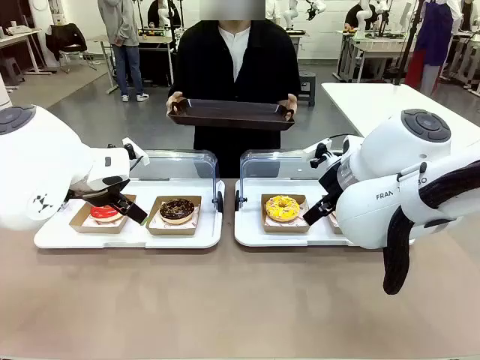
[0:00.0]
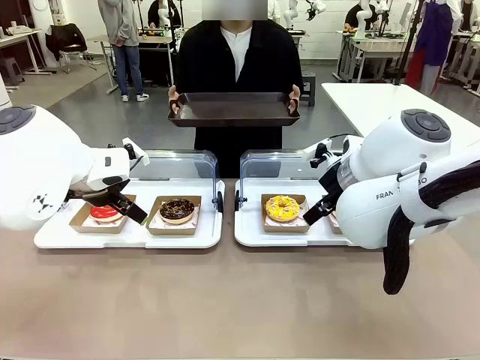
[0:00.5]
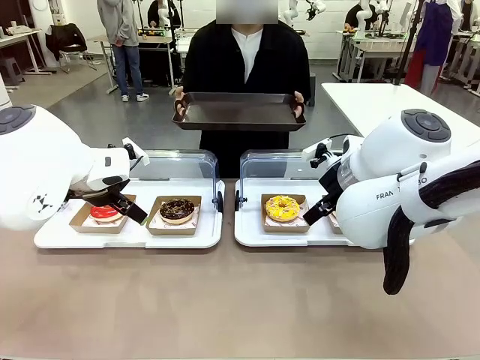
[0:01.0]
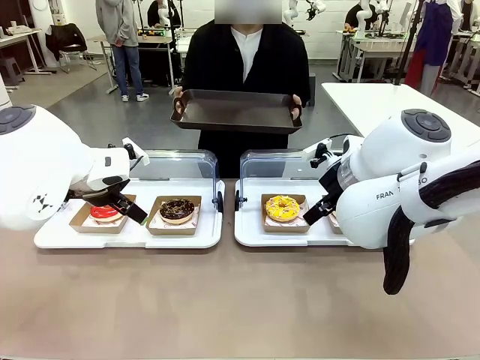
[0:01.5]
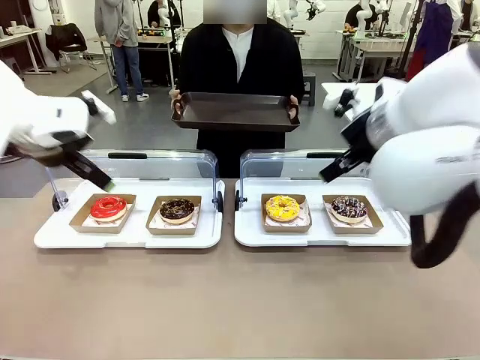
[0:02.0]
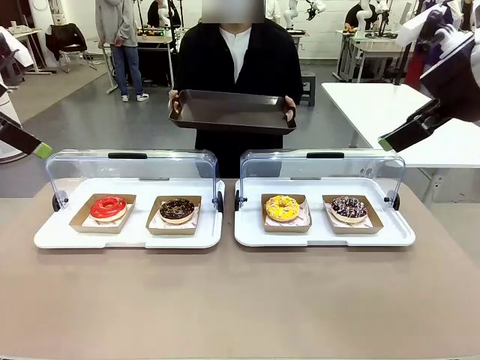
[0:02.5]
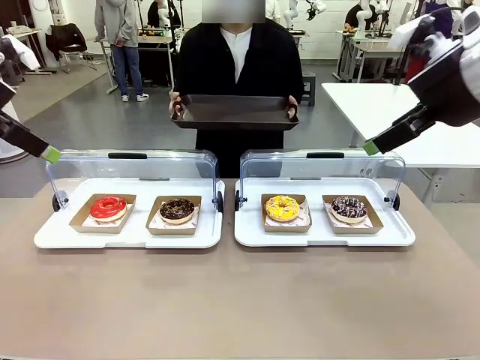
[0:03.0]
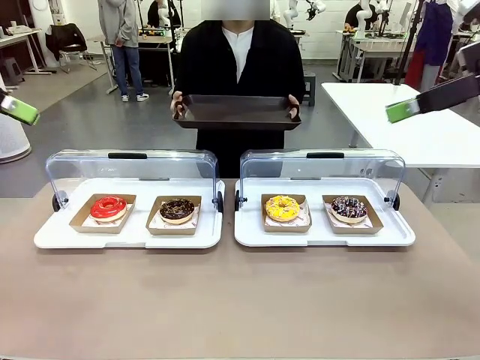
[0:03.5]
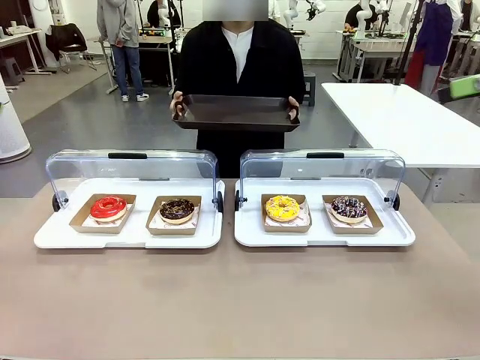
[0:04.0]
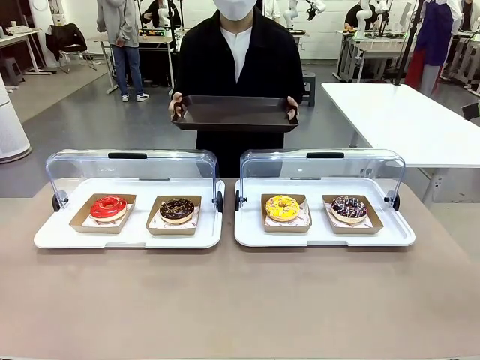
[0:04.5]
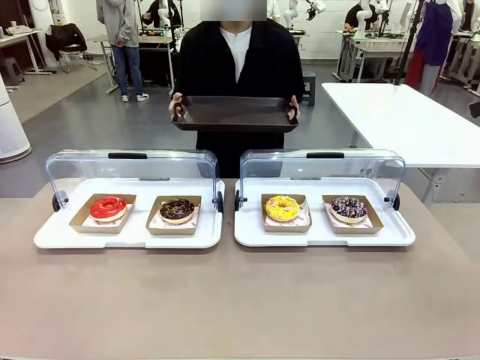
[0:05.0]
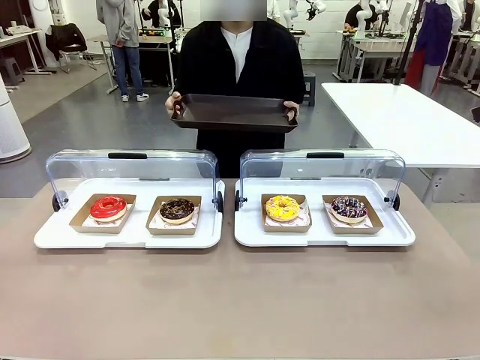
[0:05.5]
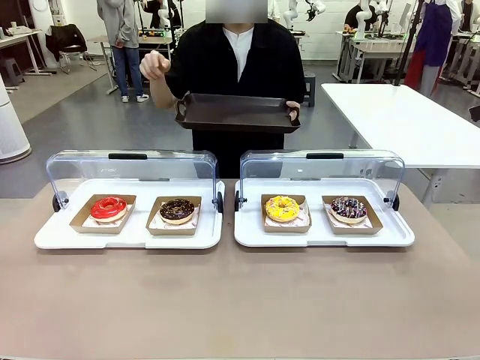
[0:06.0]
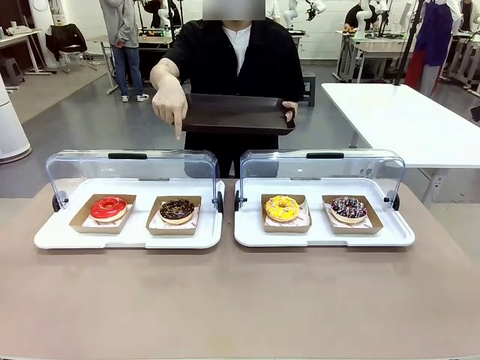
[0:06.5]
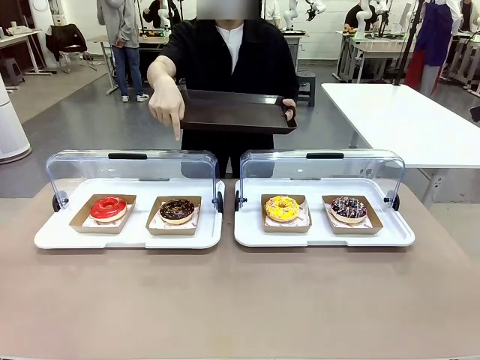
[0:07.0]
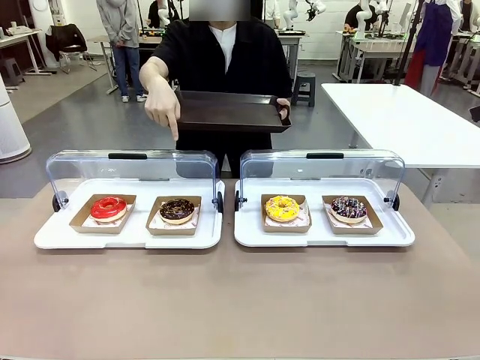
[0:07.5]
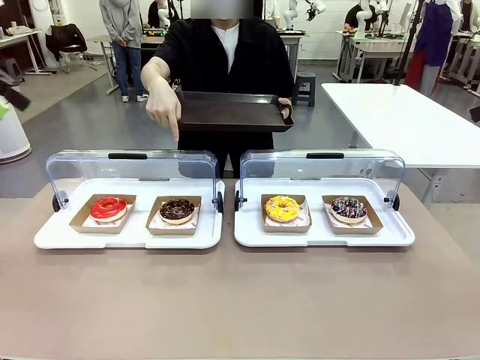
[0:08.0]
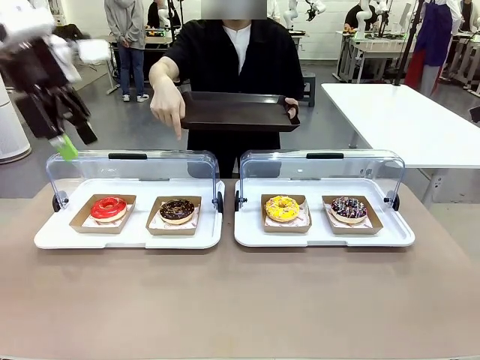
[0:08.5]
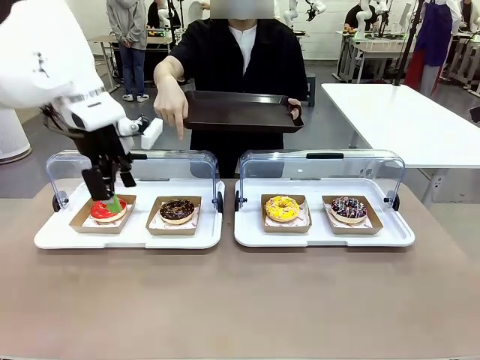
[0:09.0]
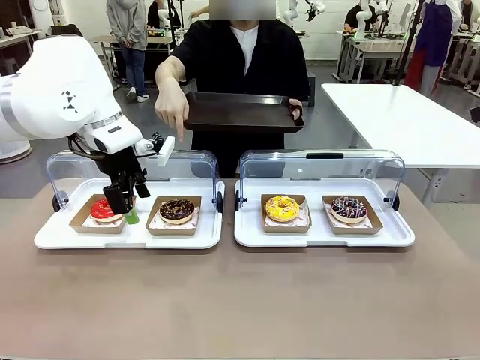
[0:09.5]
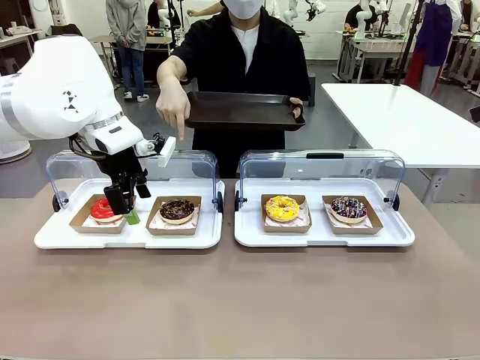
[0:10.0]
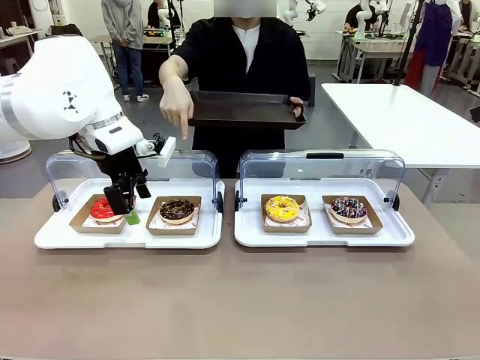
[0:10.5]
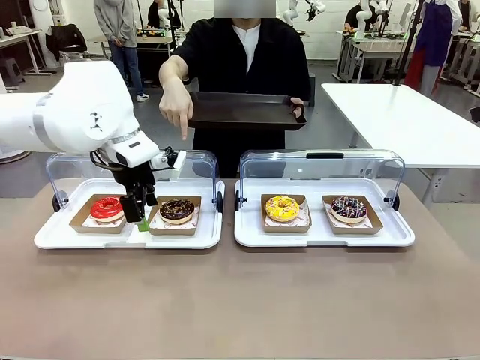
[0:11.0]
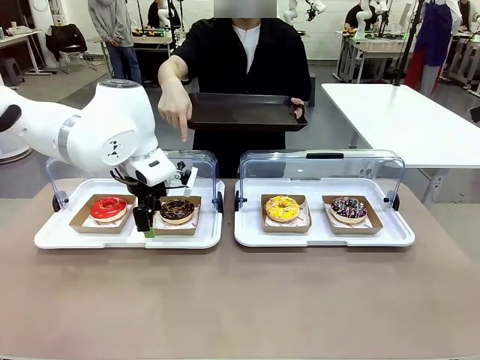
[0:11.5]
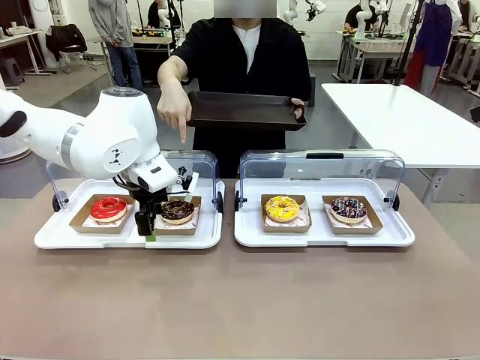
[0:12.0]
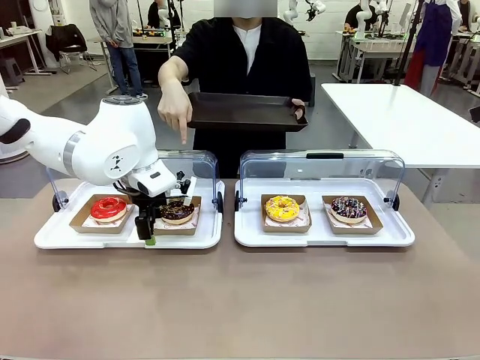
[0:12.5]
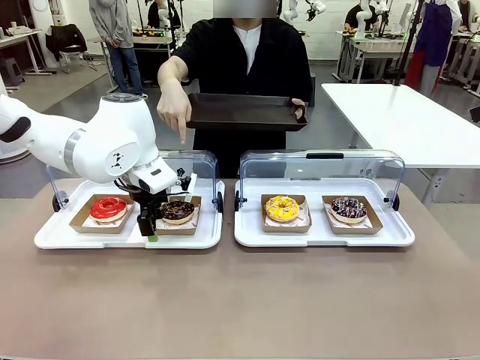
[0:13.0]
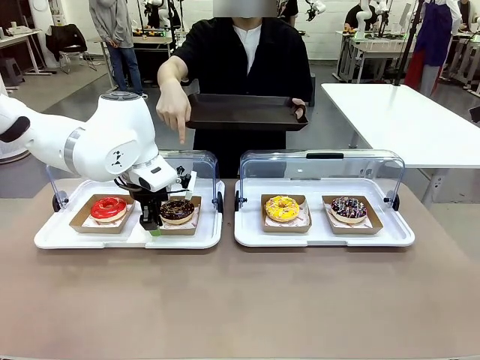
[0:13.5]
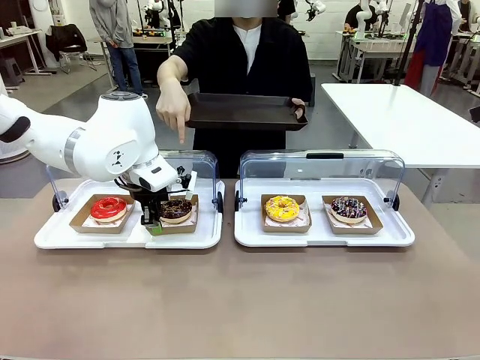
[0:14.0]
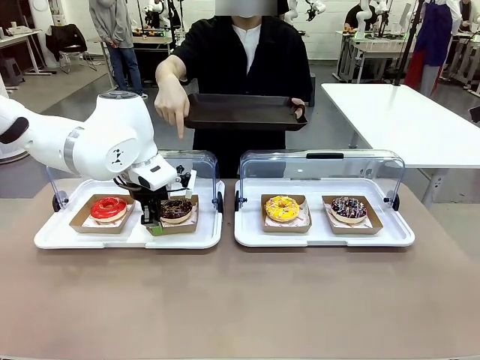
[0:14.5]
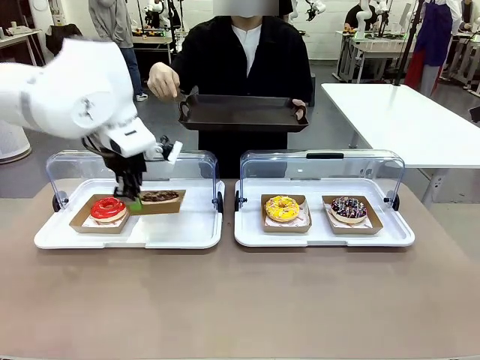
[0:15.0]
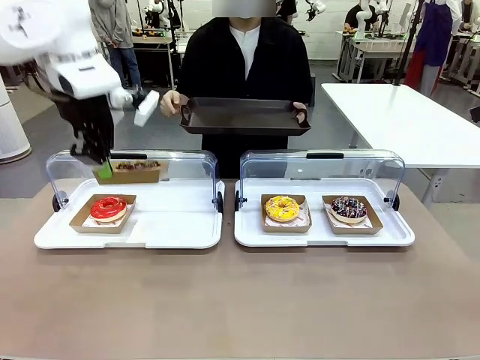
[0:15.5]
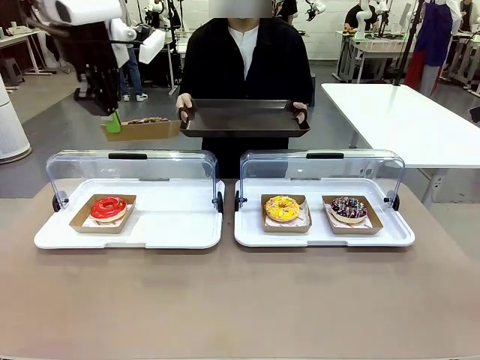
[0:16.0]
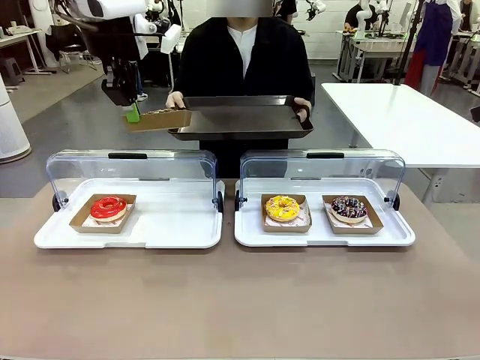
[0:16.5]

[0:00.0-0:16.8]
Task: Provide the desired donut to the person.
Robot: Pick up and lift the Paper togo box containing the Donut pointed at by the person.
Person: Point to one donut. Lift the tray onto the Roll-Top Bakery Case.

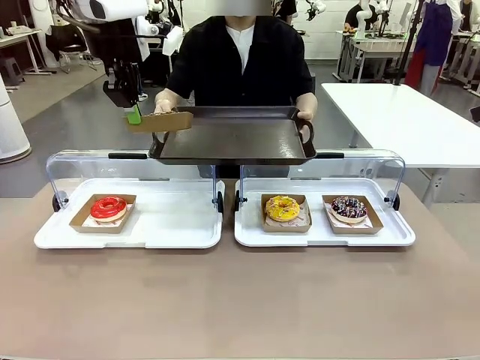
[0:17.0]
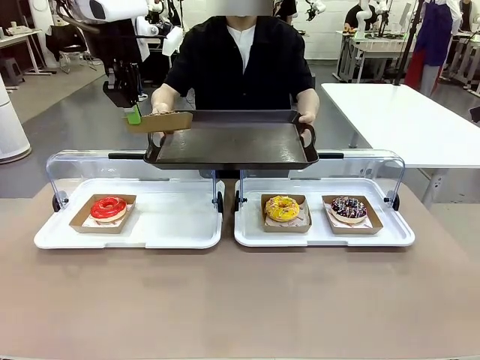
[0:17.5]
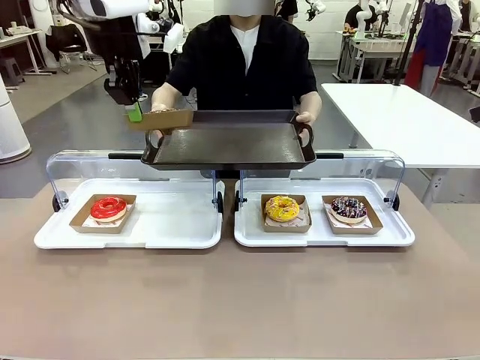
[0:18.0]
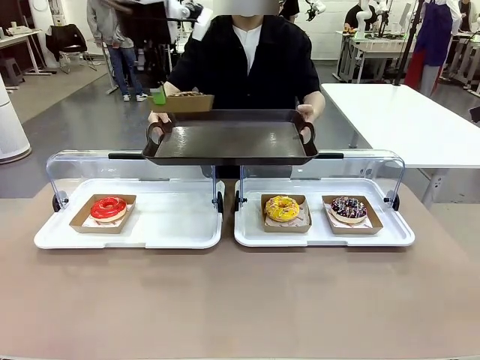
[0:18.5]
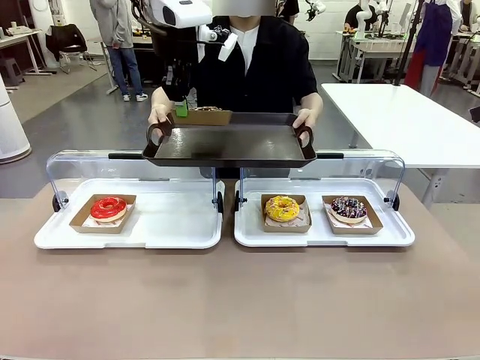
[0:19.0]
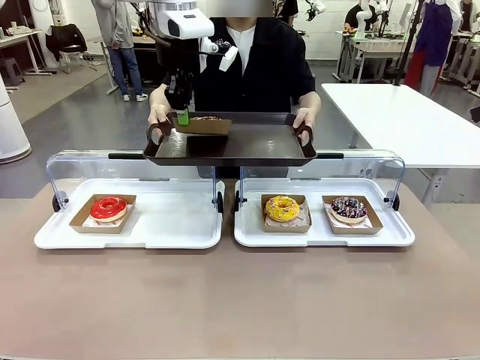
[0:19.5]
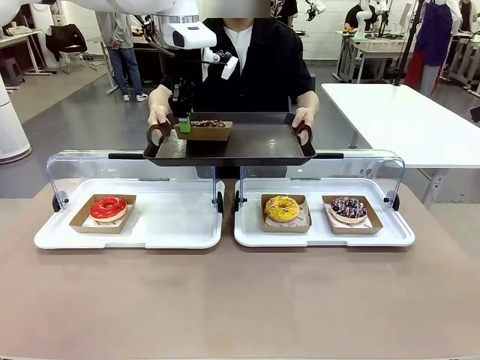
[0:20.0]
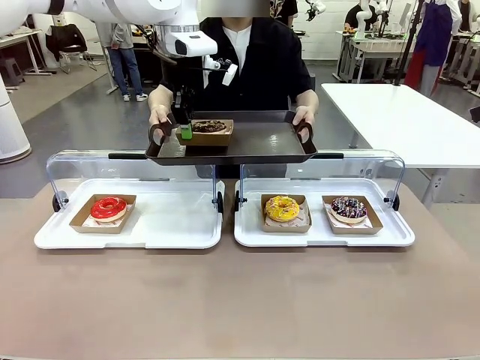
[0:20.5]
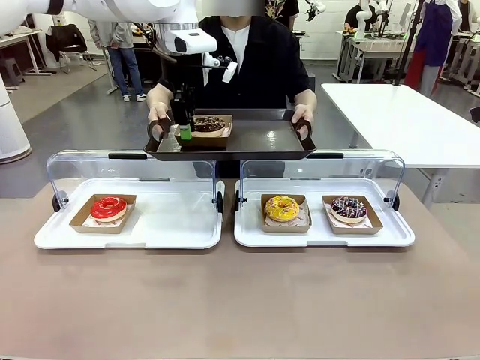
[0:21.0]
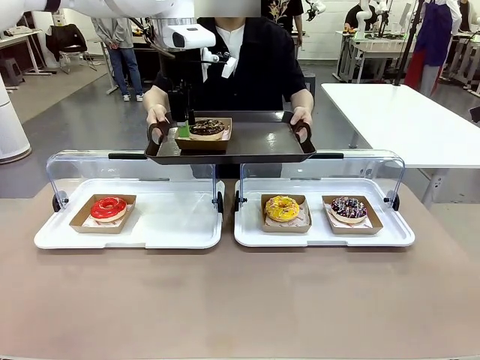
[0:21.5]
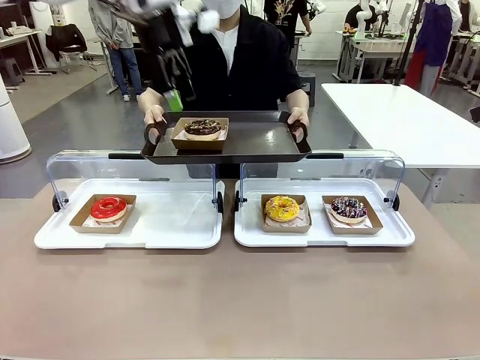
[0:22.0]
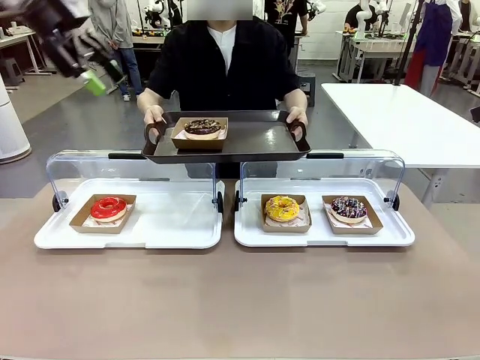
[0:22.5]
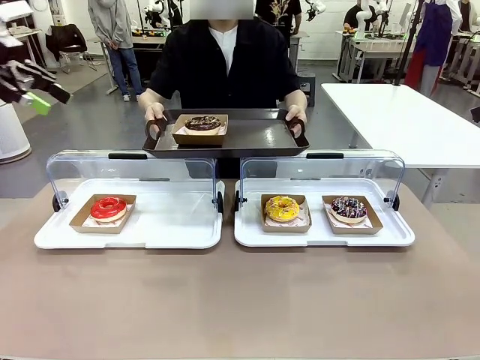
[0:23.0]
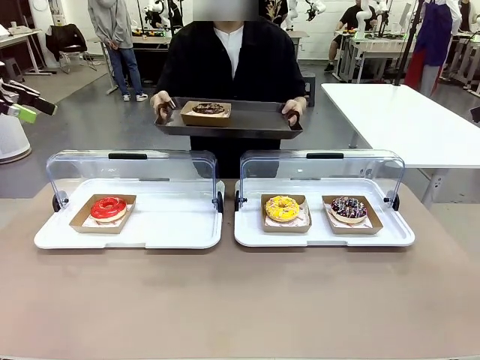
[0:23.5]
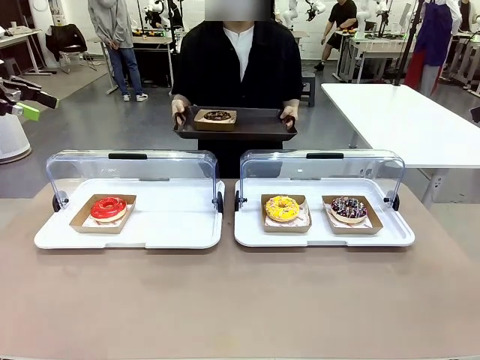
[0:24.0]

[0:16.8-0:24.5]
Robot: Place the picked Paper togo box onto the Handle tray extended by the person.
Person: Point to one donut.

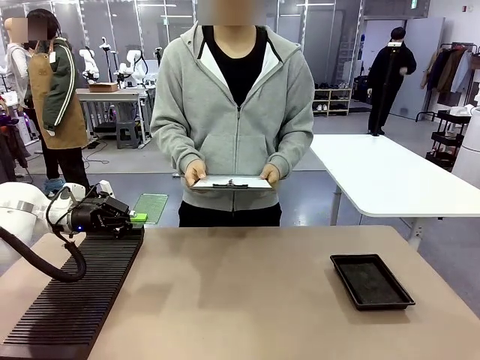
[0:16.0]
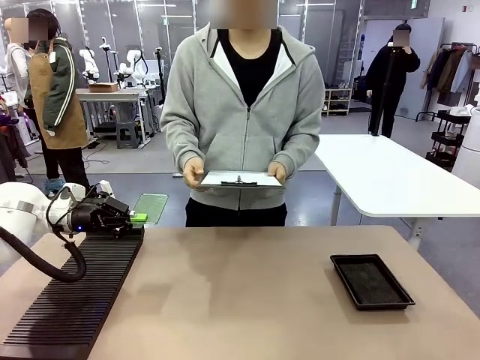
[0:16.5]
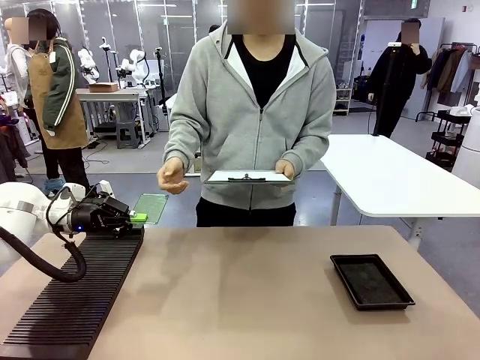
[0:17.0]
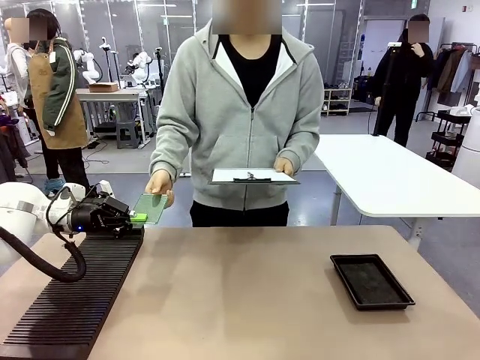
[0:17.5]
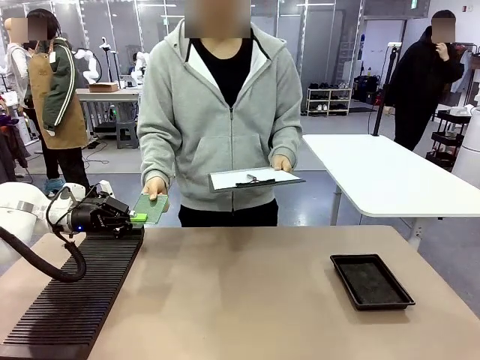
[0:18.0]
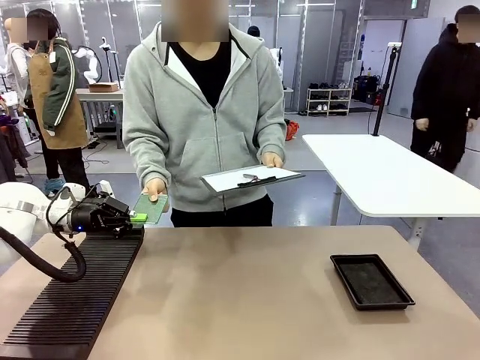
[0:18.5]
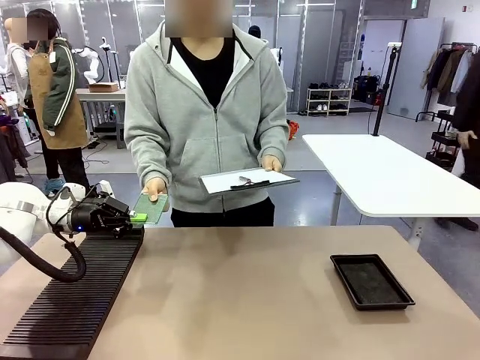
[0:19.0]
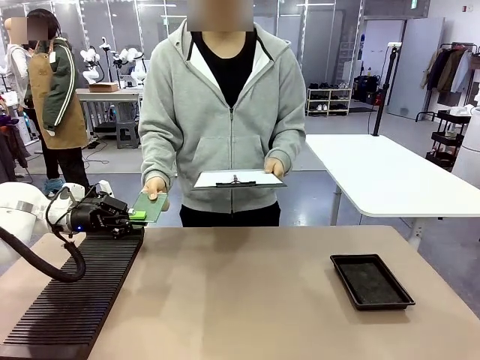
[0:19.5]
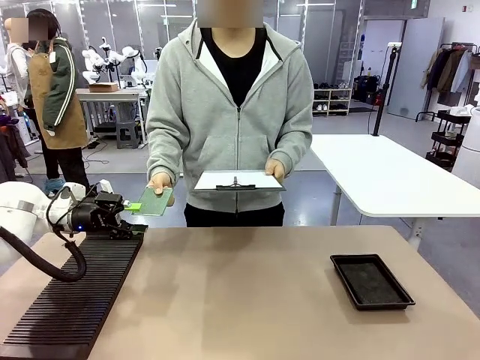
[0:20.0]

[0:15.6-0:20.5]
Task: Inspect the PCB.
Robot: Release the Blank PCB you were holding.
